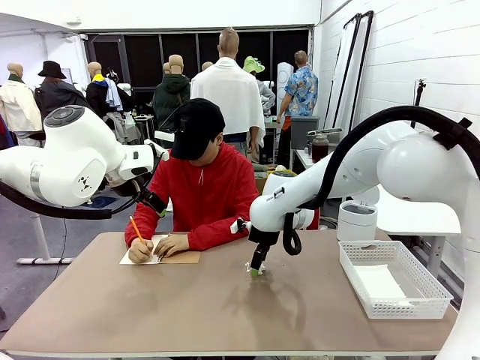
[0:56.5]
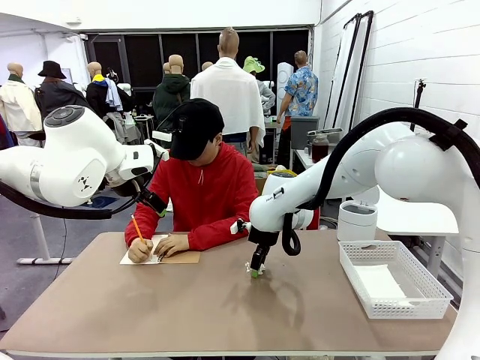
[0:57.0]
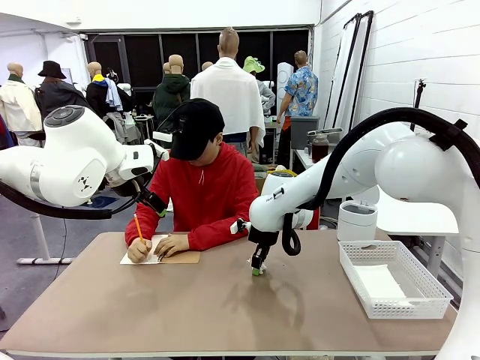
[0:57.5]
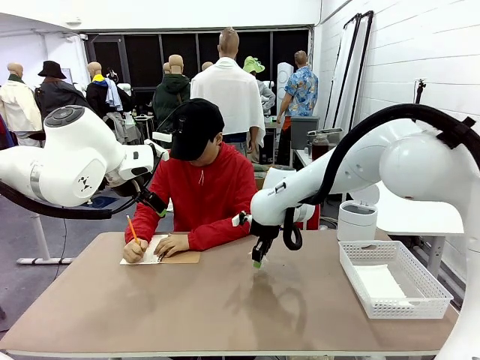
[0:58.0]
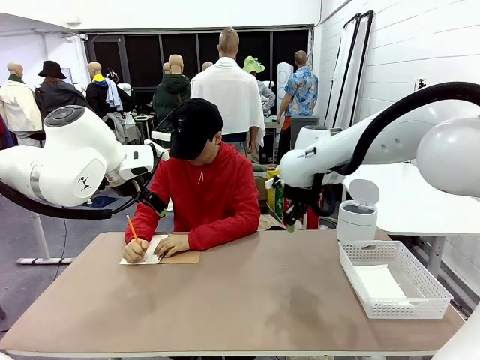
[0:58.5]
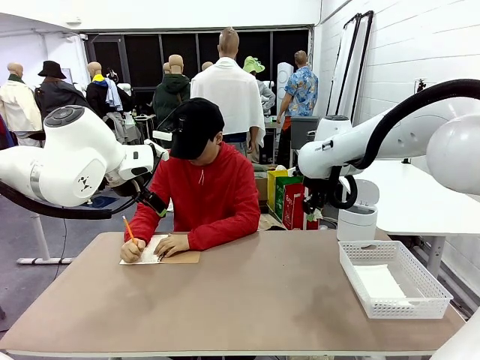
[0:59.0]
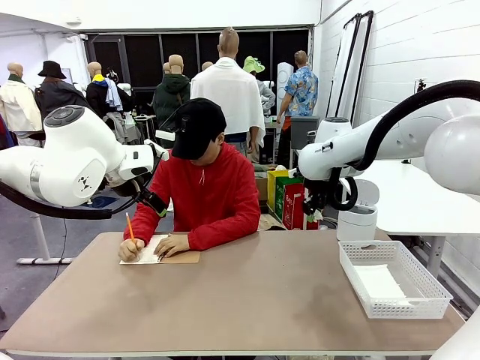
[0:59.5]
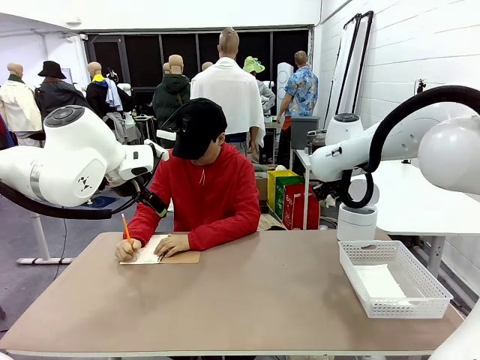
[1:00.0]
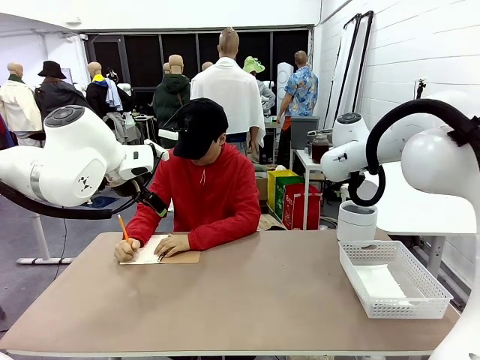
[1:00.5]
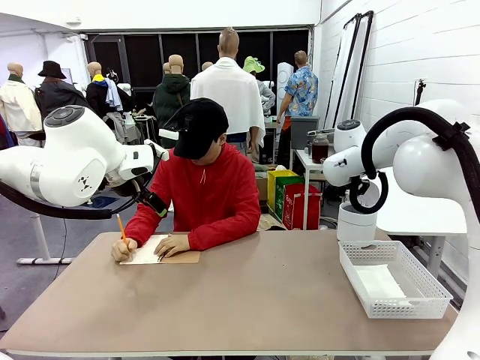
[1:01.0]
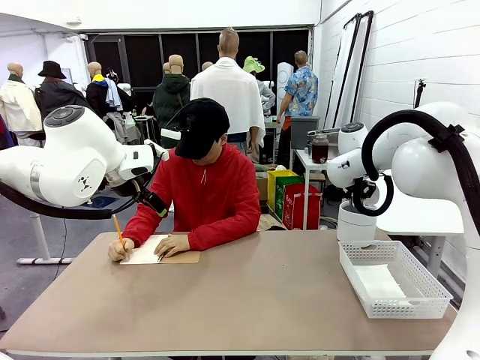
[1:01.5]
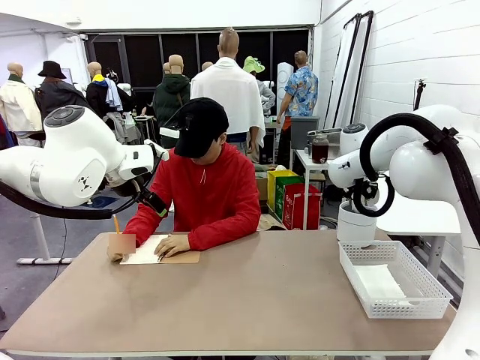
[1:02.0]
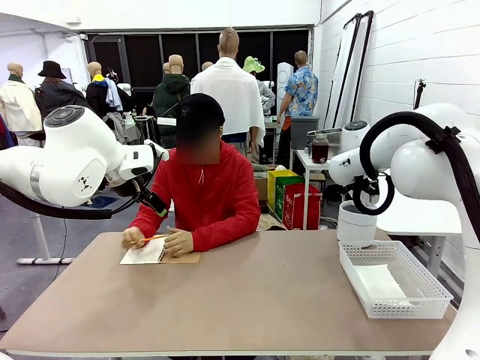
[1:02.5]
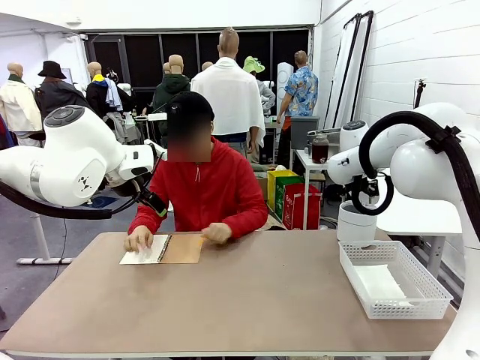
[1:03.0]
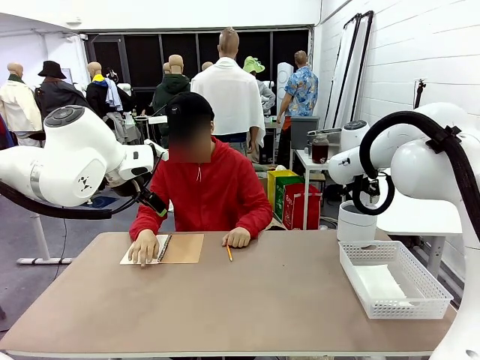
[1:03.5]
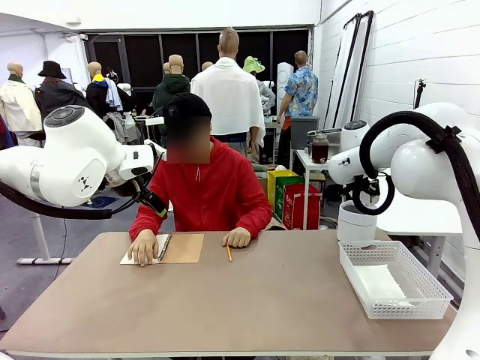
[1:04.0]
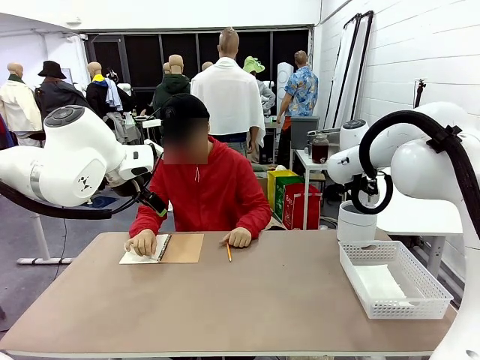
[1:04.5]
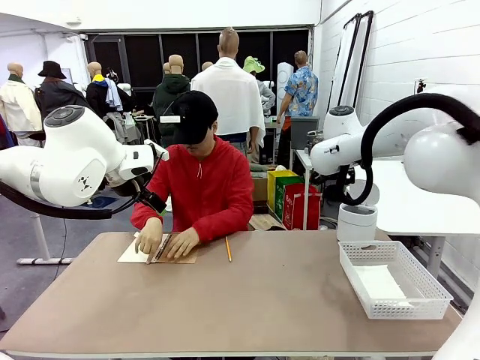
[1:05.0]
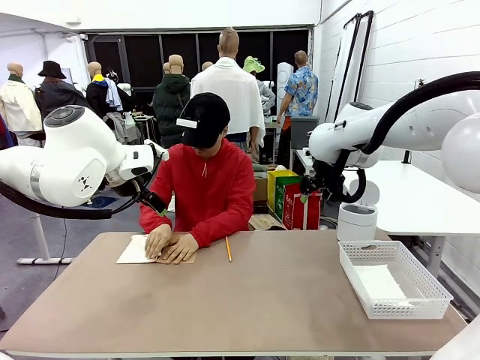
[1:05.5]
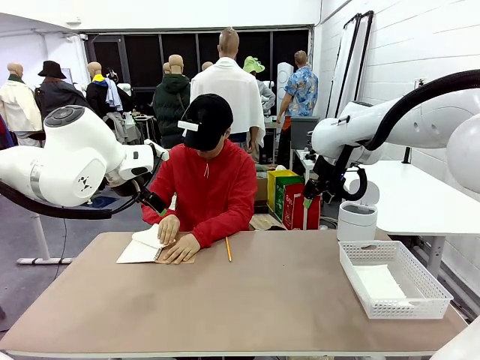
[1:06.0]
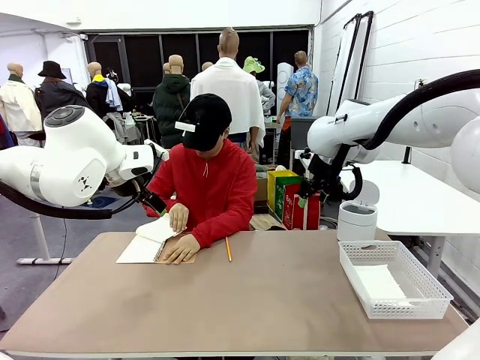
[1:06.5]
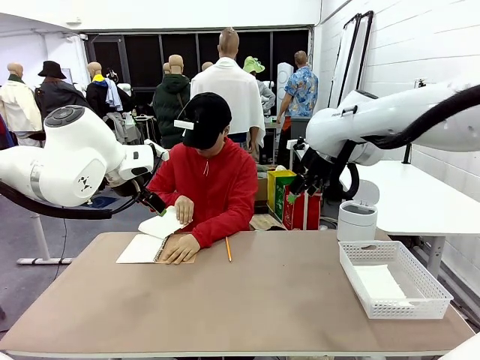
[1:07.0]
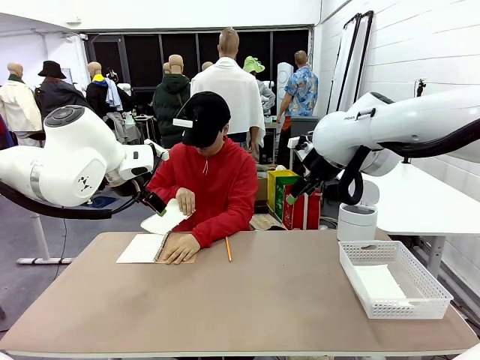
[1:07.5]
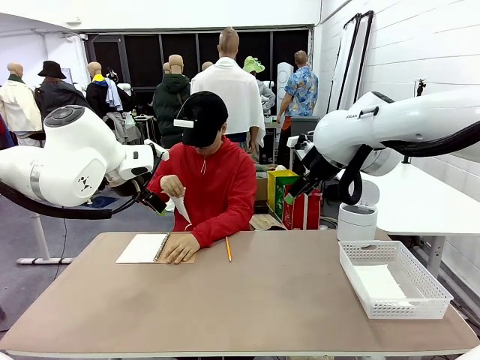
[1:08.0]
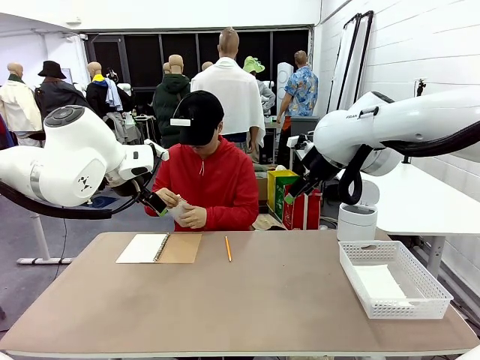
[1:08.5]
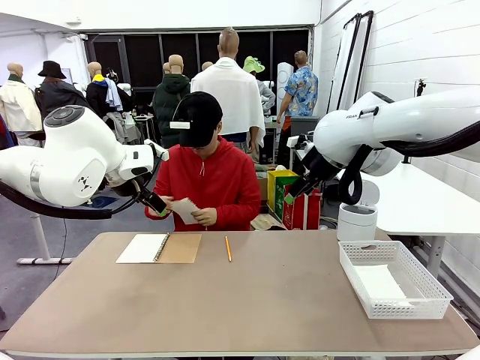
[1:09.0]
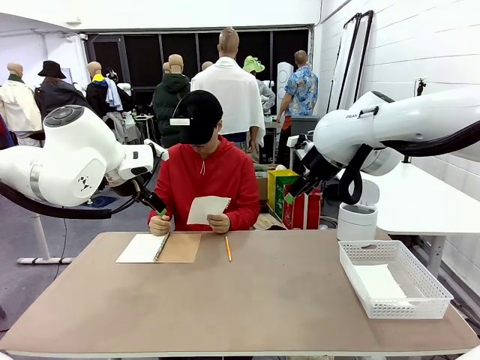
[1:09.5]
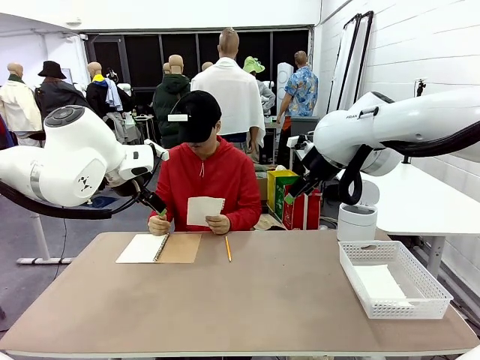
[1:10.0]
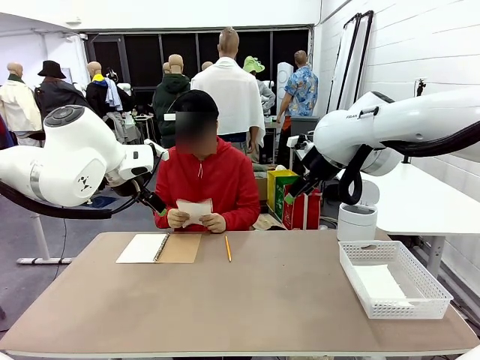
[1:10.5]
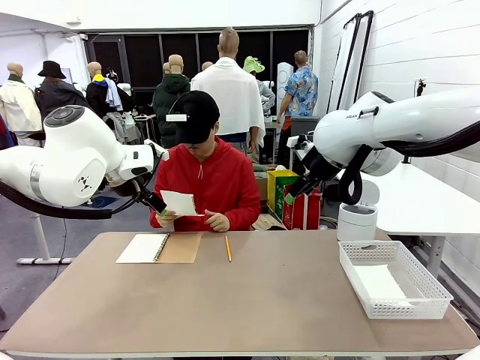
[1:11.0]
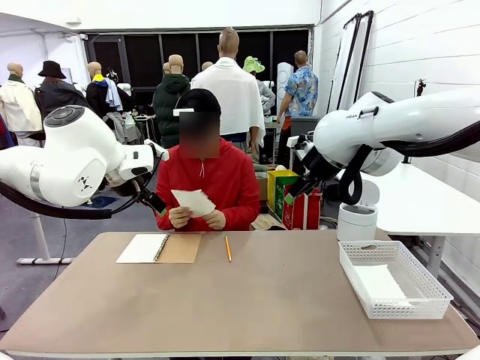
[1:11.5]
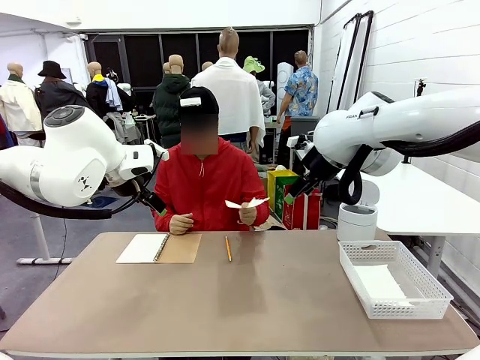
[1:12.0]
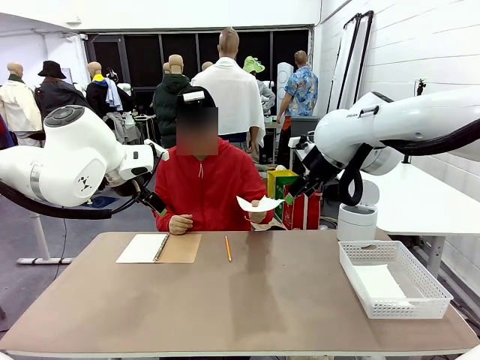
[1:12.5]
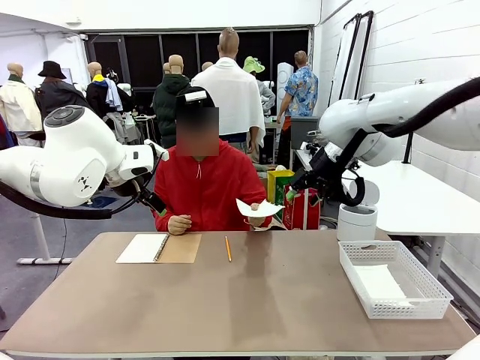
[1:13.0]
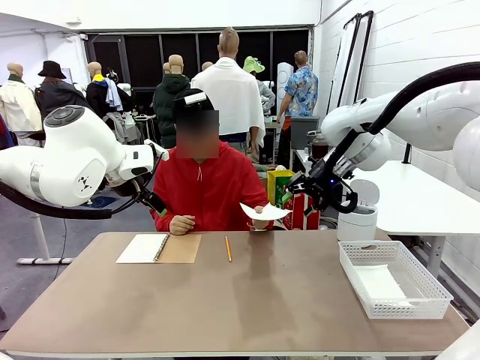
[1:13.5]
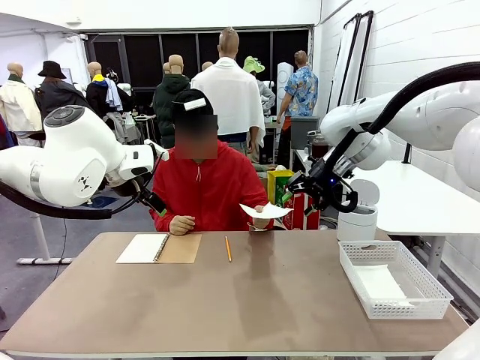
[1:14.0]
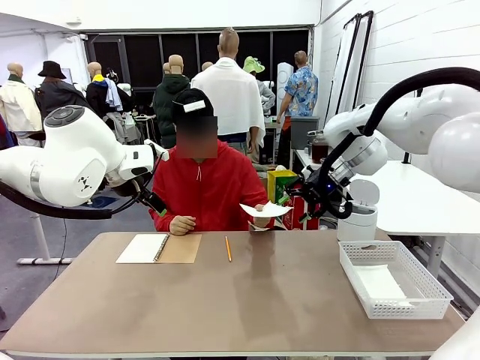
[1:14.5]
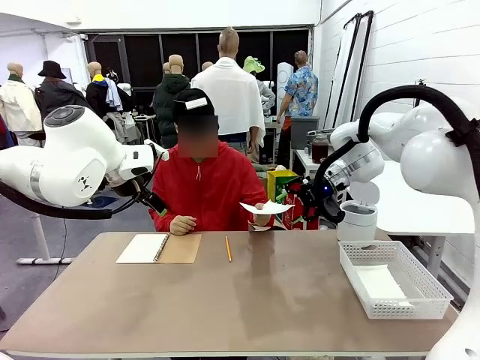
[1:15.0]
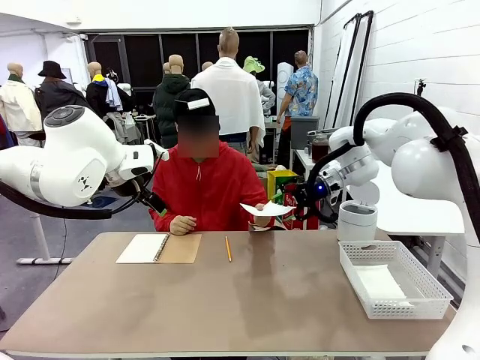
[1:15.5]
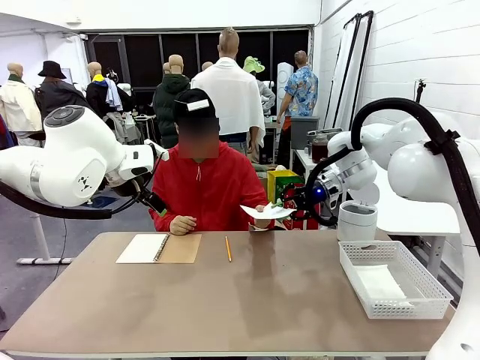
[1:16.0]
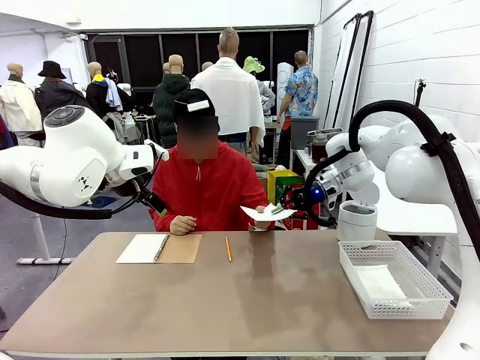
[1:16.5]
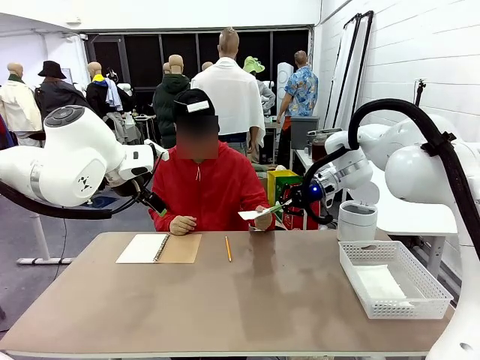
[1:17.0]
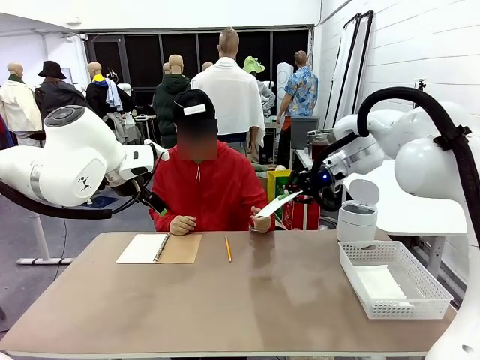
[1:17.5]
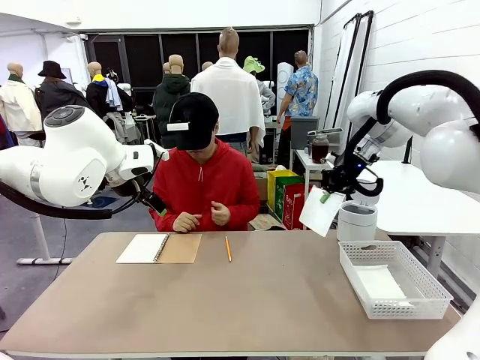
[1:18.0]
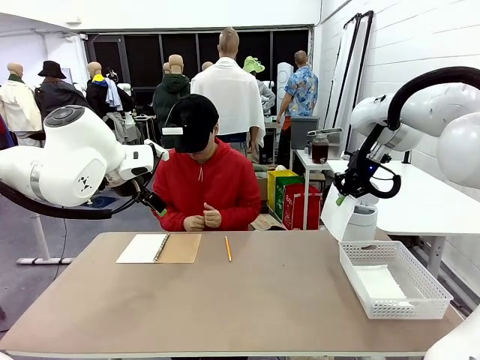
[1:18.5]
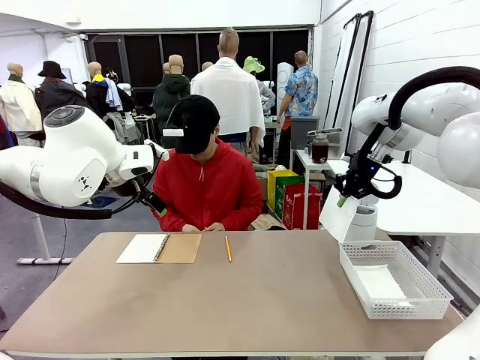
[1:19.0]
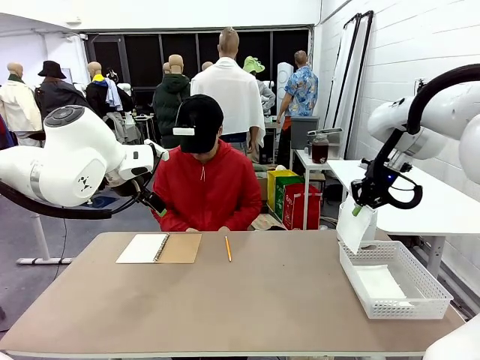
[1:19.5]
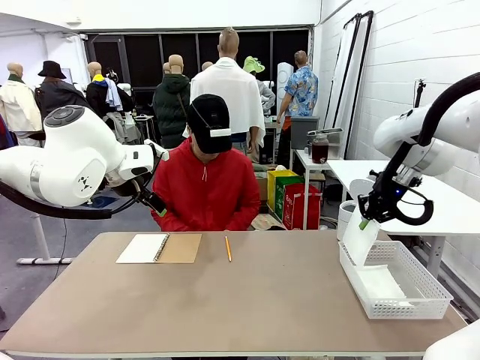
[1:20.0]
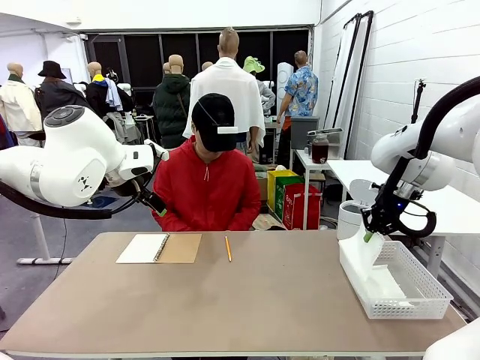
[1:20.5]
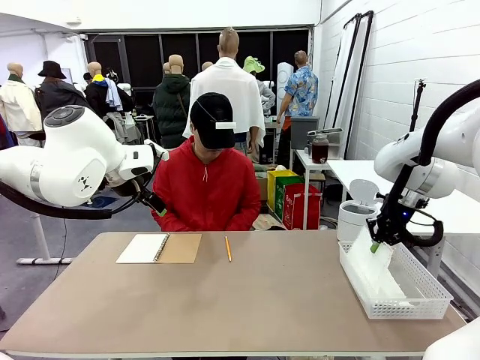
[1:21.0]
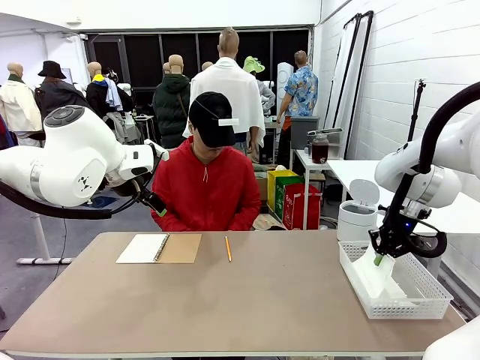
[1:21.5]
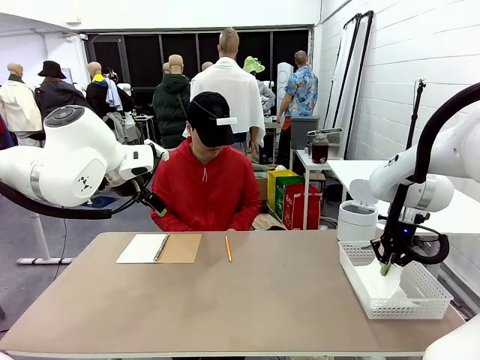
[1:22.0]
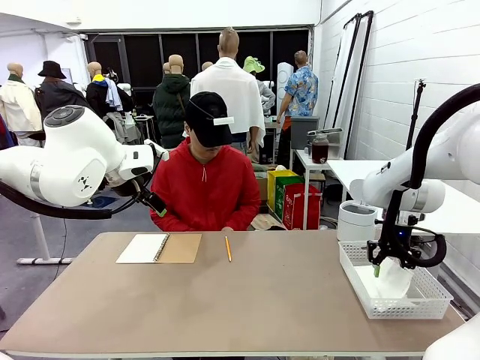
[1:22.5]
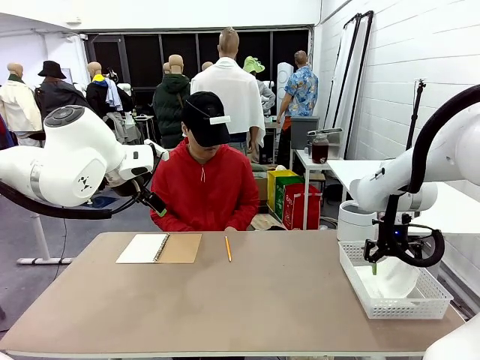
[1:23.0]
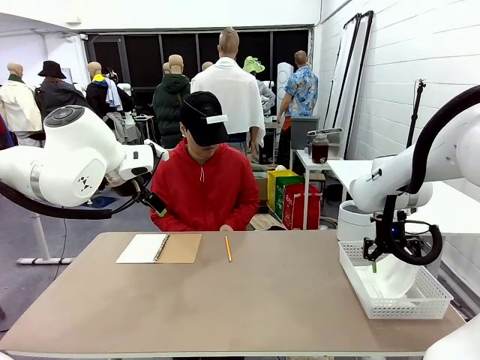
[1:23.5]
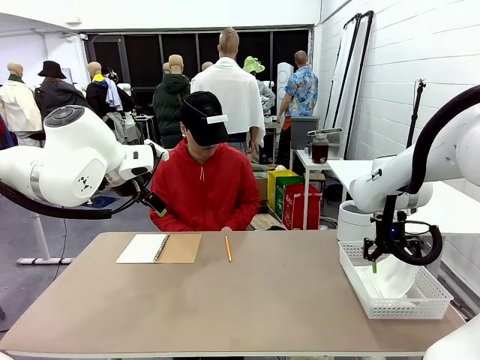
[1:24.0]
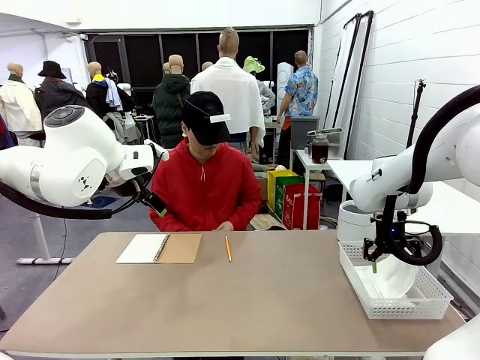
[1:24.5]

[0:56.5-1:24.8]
Task: Sort the paper based on its condition.
Robot: If a person hands you a paper, place it in the Organizing basket , and if it's crumpled, put it in the Trash can.
Person: Tear out a page from the spiral notebook. Hand the torn page to the robot or crumple it and throw it to the center of the table.
